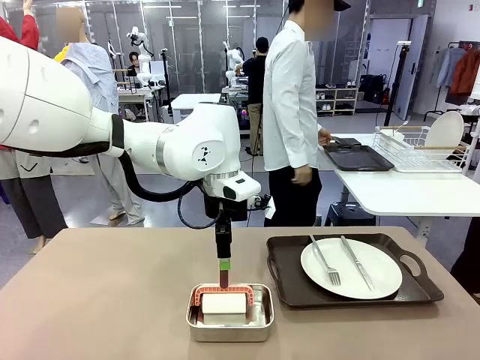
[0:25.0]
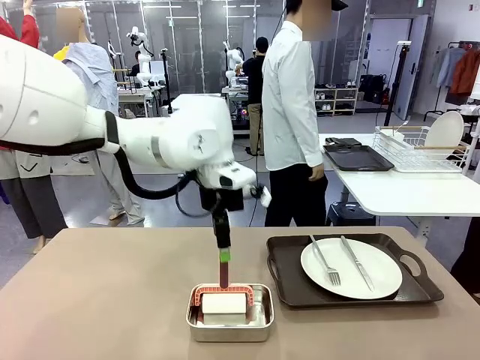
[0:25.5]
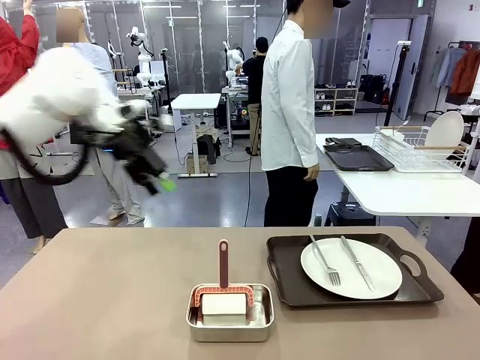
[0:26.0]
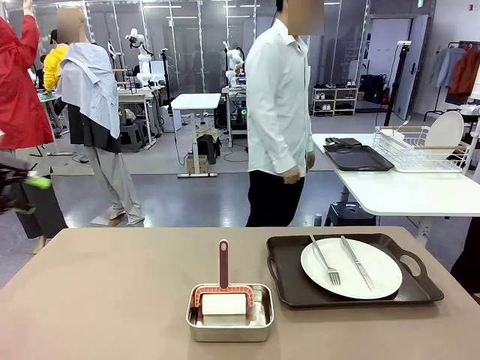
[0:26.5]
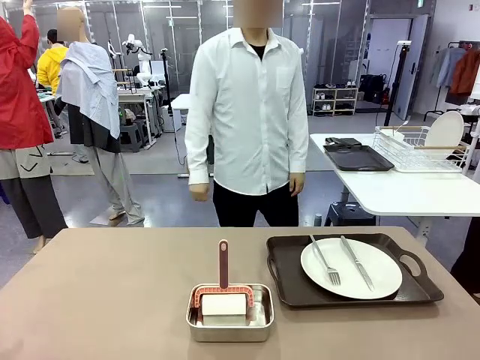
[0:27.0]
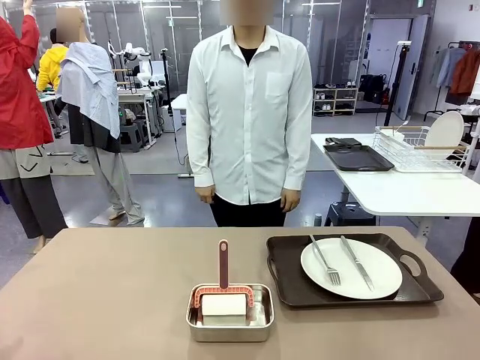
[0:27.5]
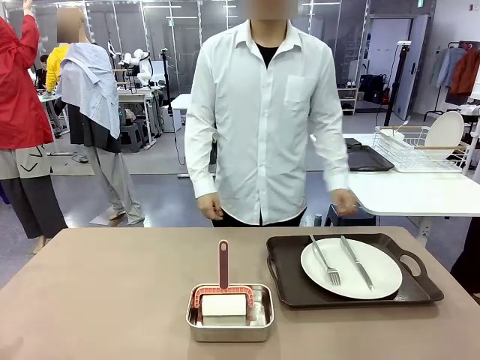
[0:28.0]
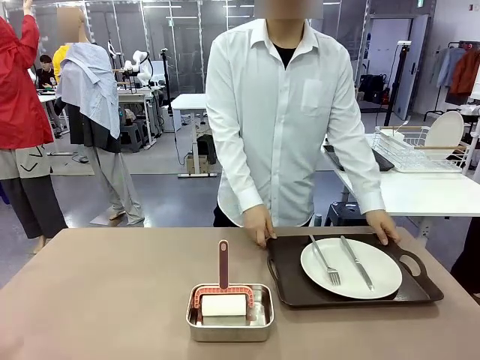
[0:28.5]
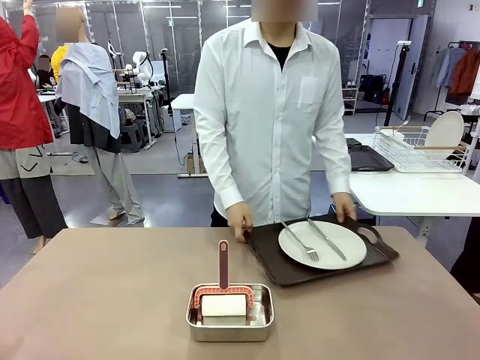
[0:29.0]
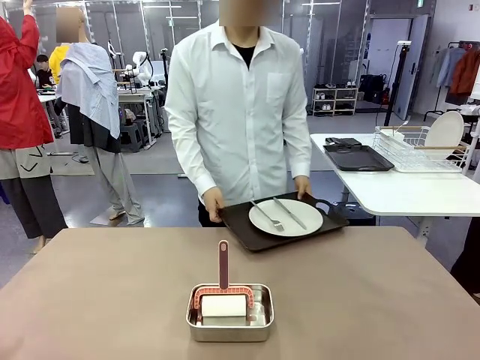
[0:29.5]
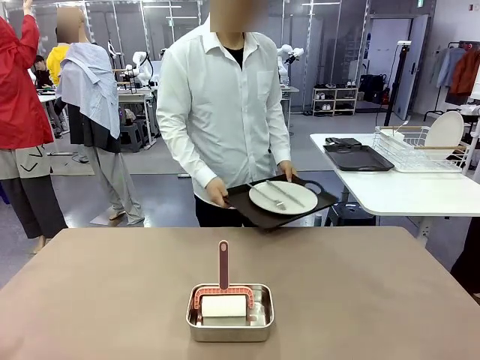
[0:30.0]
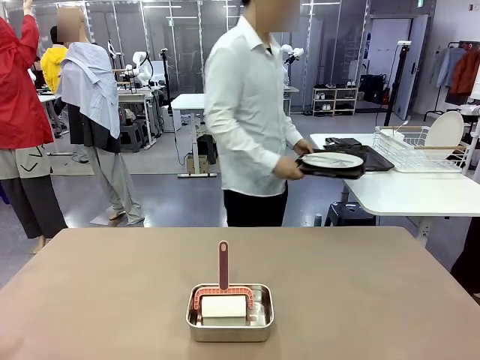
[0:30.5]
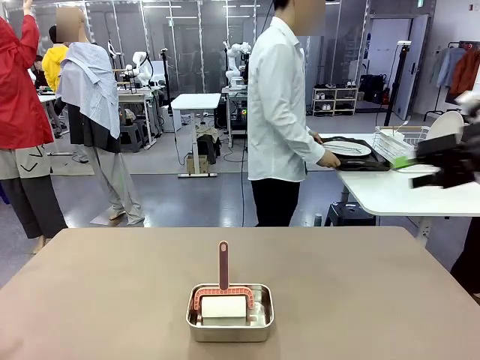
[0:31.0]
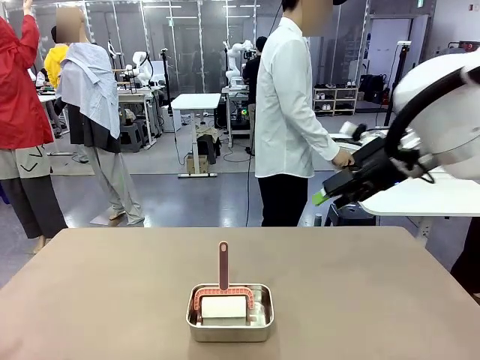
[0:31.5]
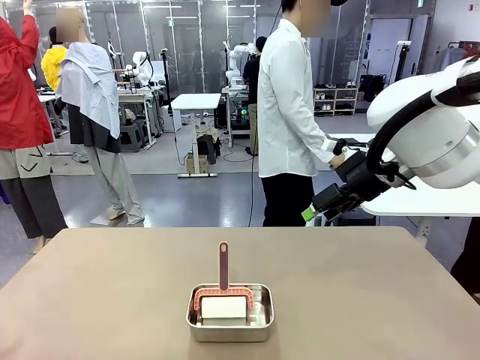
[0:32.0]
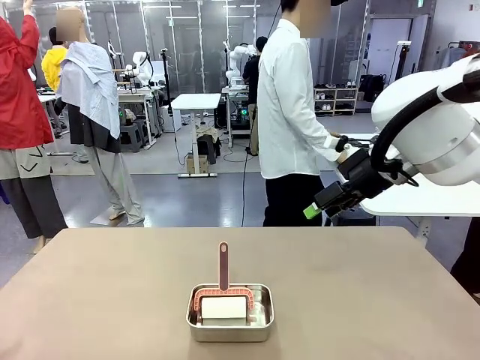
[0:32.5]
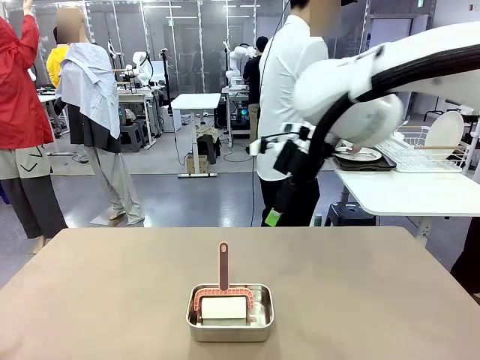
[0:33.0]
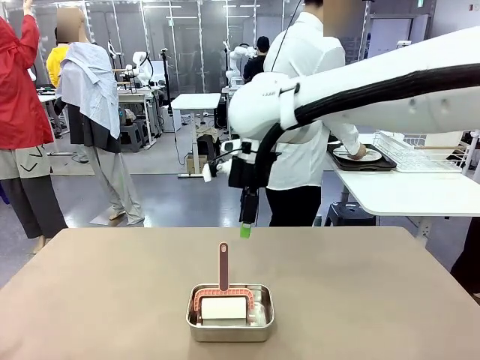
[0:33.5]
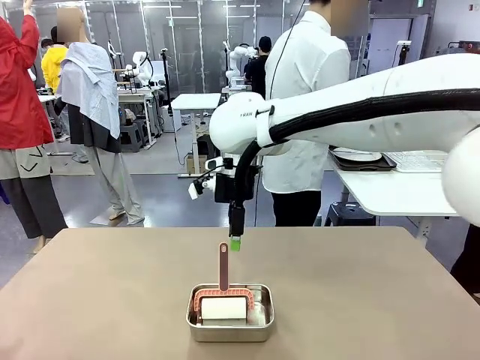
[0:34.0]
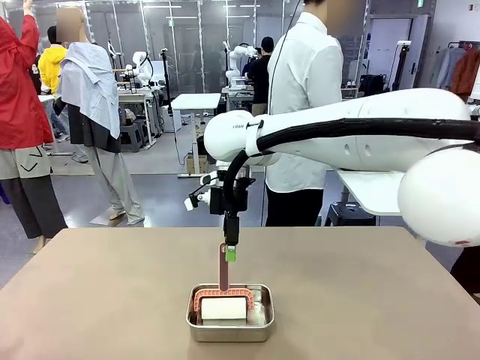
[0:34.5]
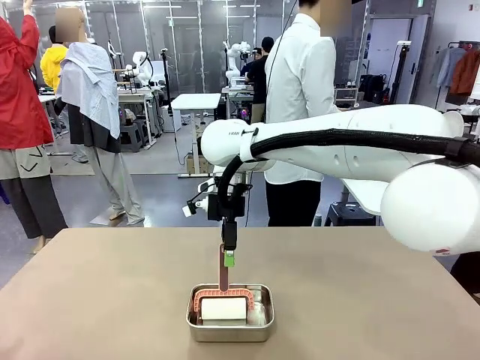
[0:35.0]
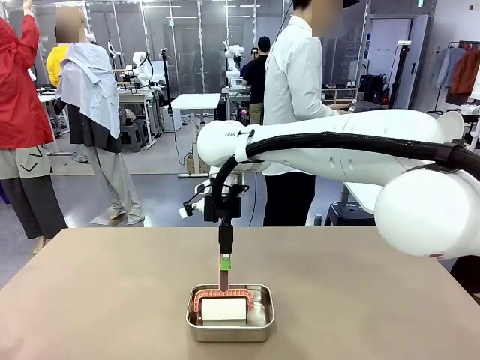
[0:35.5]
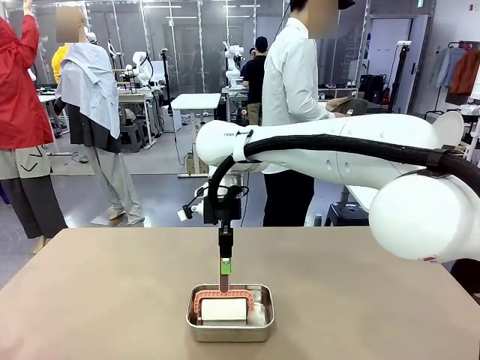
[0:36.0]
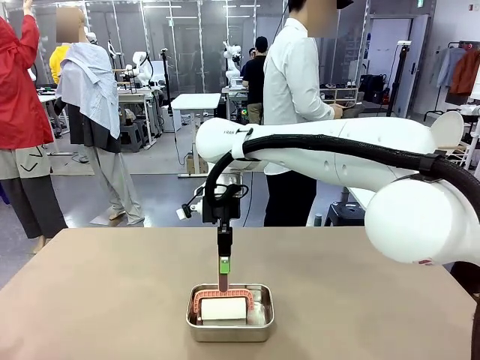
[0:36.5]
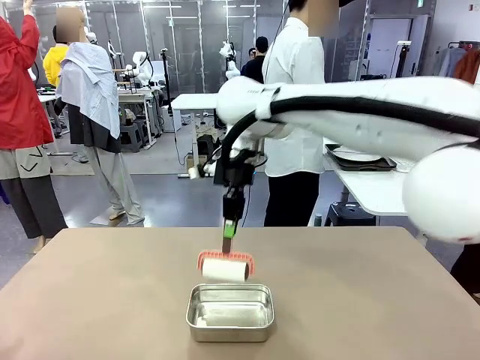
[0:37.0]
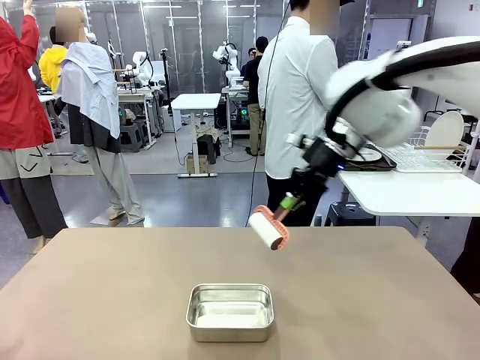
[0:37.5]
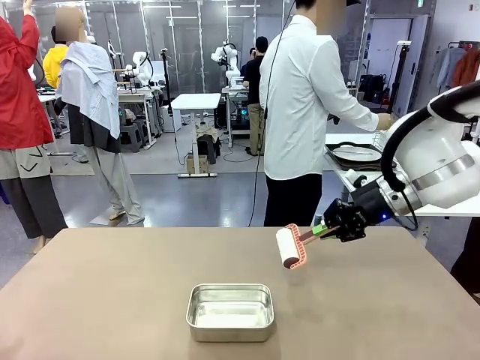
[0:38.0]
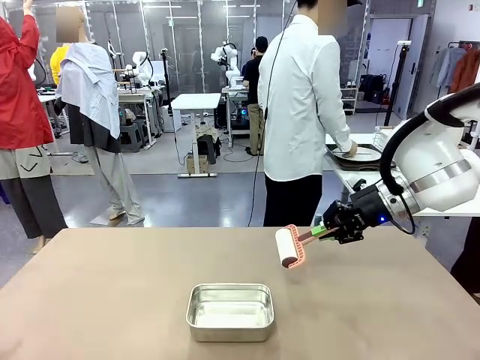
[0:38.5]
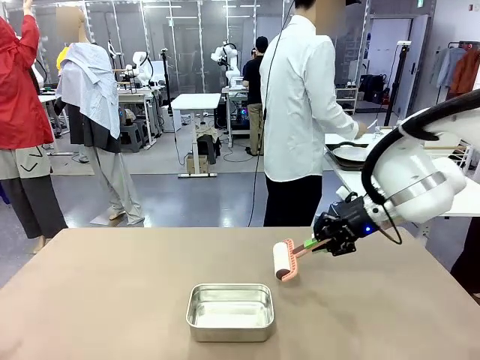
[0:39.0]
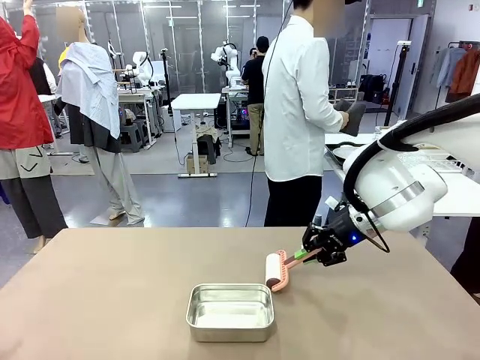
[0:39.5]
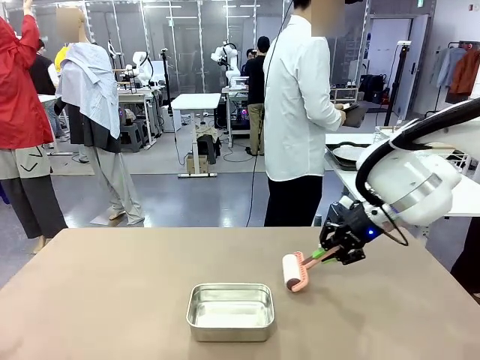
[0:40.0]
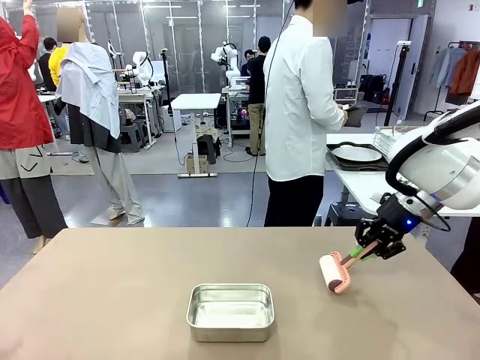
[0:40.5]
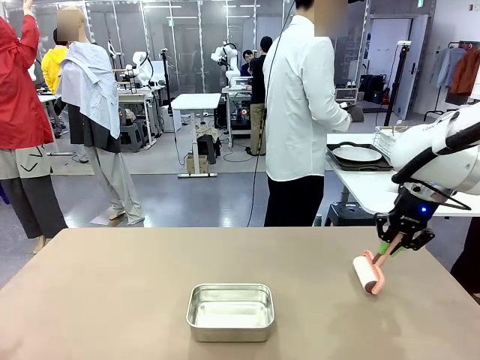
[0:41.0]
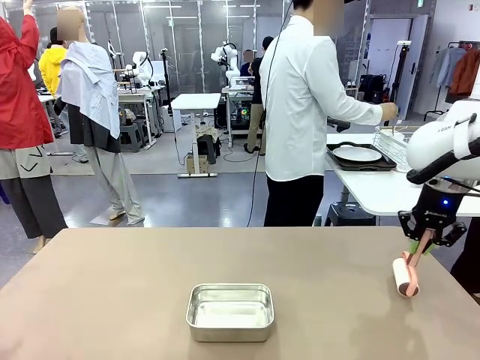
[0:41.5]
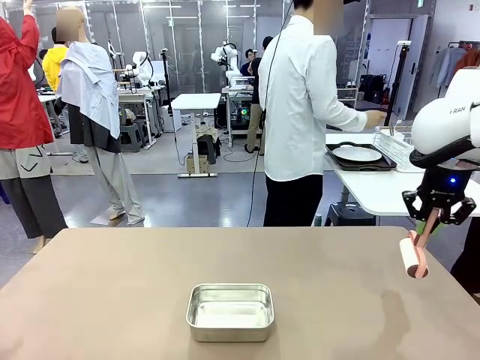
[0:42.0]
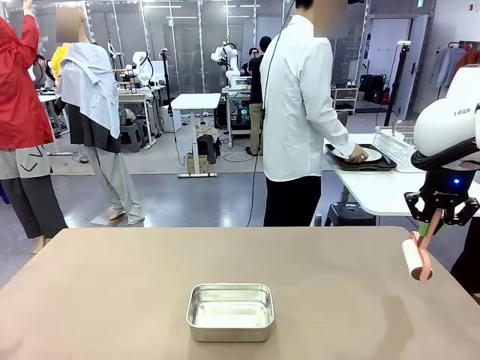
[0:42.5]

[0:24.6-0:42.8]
Robot: When the right (or left) Handle tray is removed, use the right hand (or left hand) to clean the right (or left) side of the table with the Lint Roller.
Person: Pick up the left (or right) Handle tray and place it on the Handle tray.

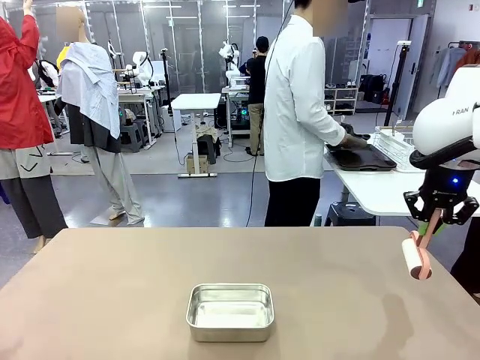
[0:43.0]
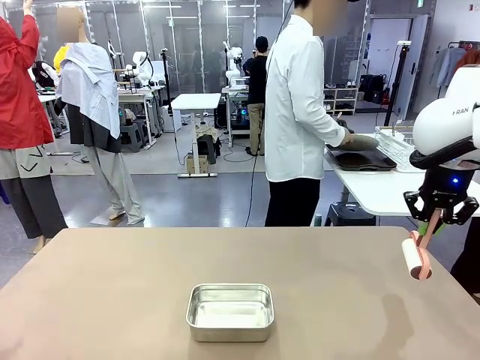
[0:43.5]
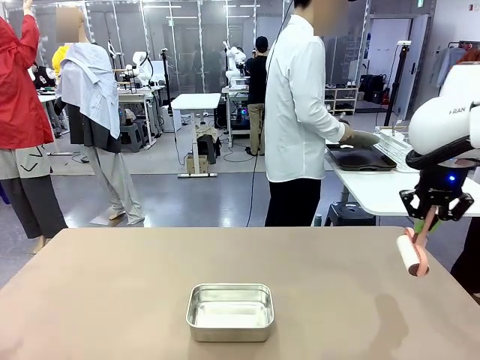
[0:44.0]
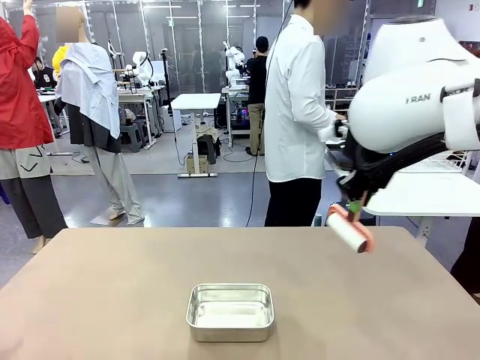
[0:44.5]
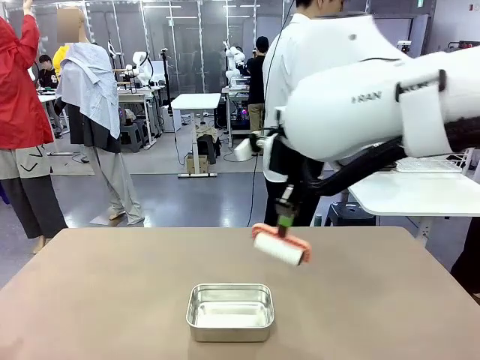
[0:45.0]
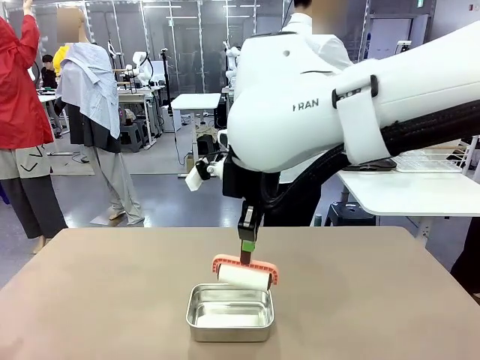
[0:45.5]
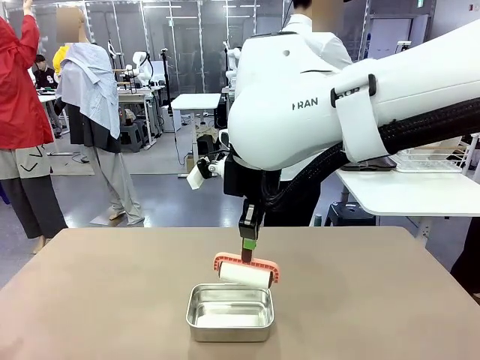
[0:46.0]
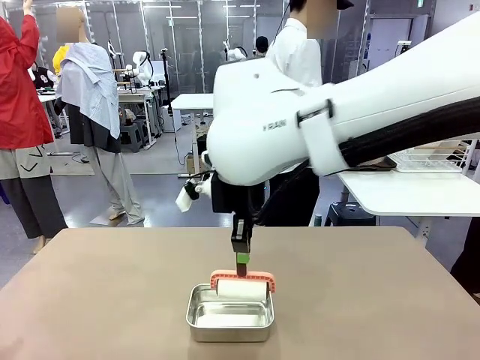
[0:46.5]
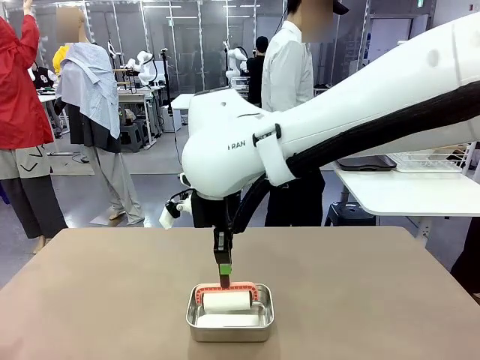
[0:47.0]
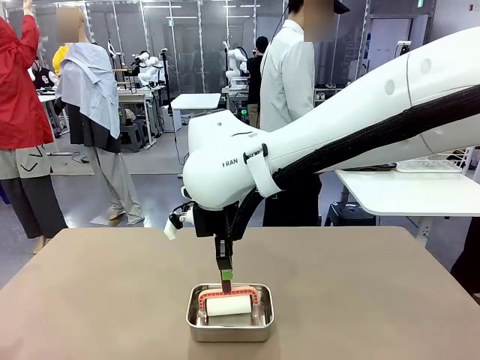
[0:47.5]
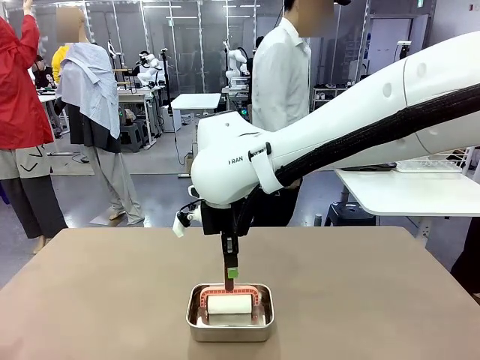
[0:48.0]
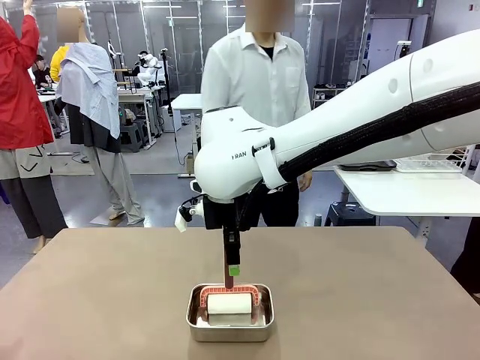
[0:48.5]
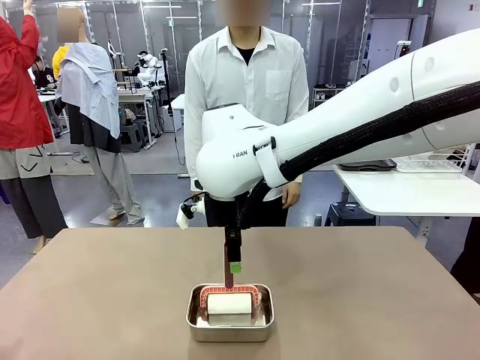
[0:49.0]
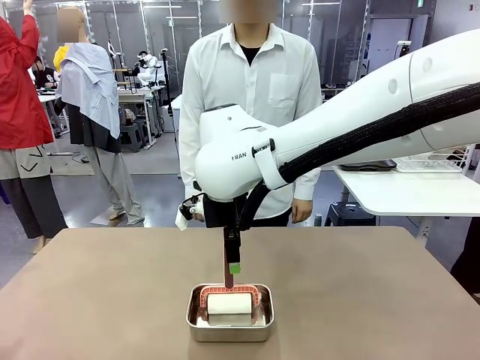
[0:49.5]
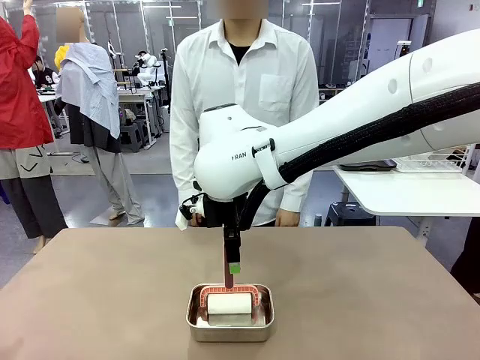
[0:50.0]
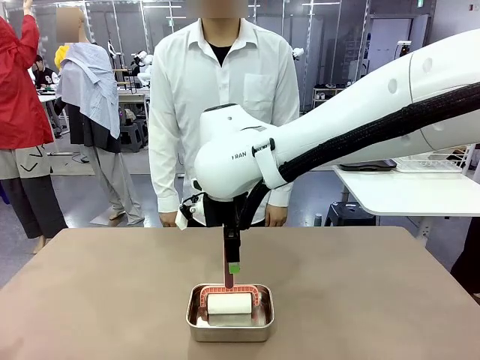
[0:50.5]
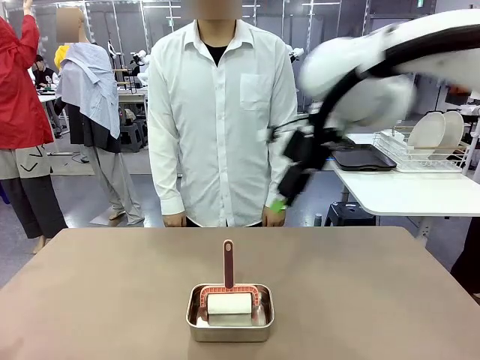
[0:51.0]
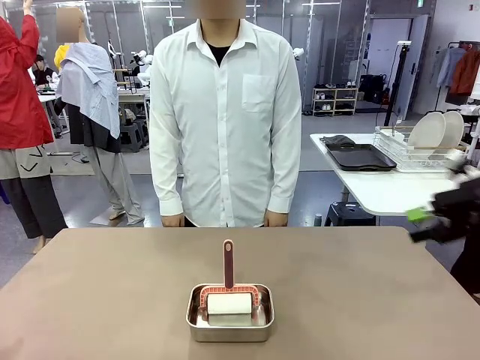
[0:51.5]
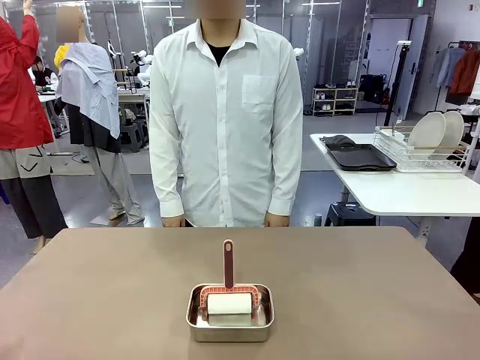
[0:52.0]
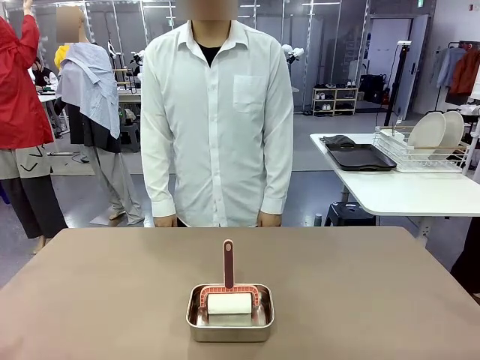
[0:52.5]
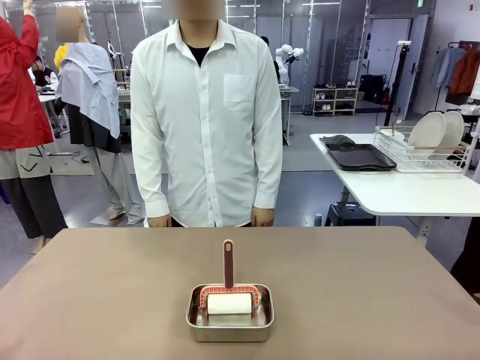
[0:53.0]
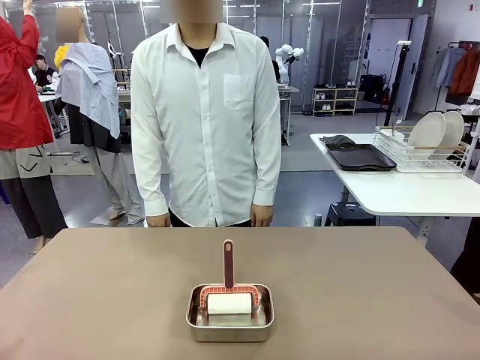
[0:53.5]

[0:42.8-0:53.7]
Robot: Place the Lint Roller back on top of the Airtight Container.
Person: Use the Towel with hook to wipe the Plastic Matte Plate , Fork , and Knife and place into the Dish drying rack.
